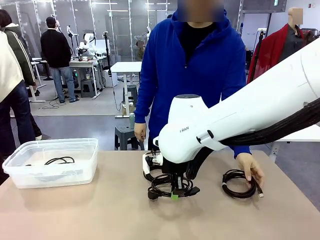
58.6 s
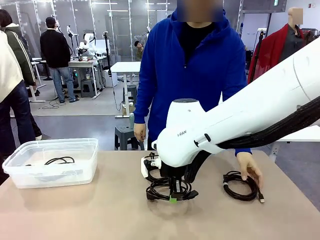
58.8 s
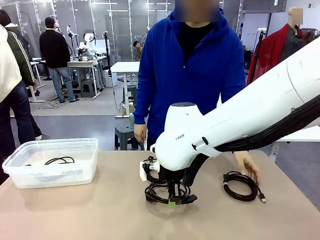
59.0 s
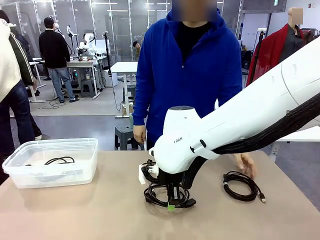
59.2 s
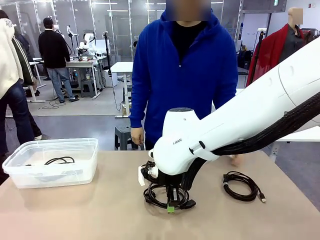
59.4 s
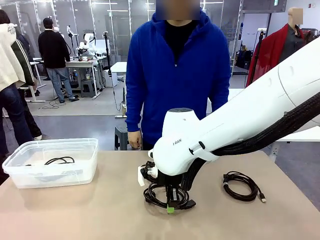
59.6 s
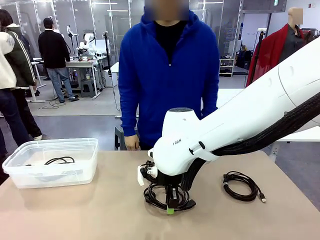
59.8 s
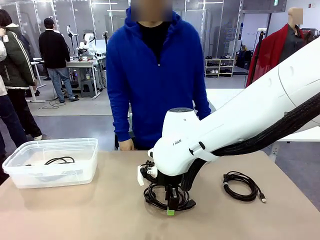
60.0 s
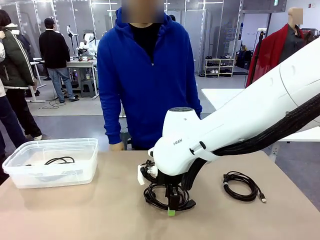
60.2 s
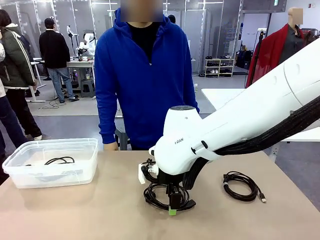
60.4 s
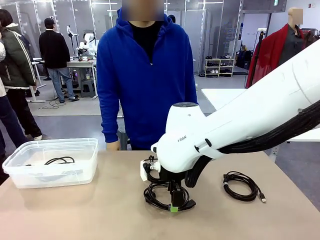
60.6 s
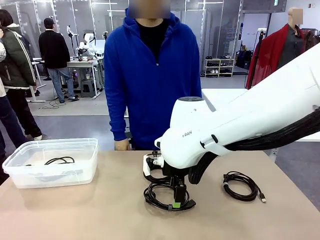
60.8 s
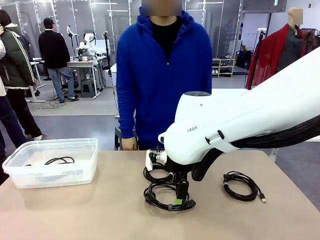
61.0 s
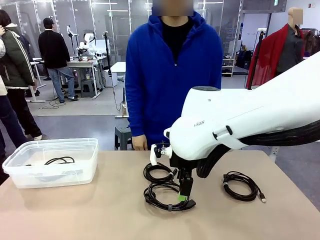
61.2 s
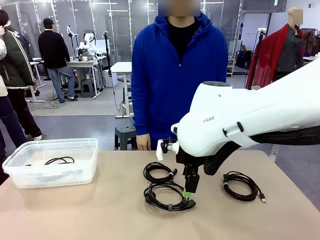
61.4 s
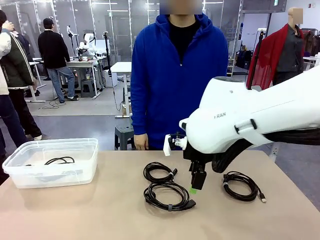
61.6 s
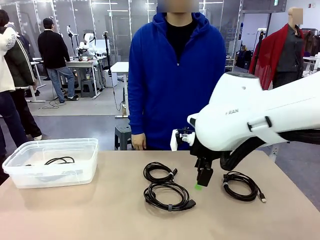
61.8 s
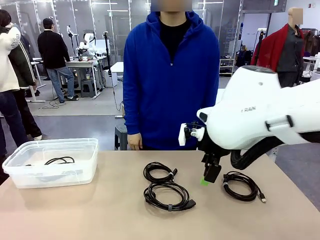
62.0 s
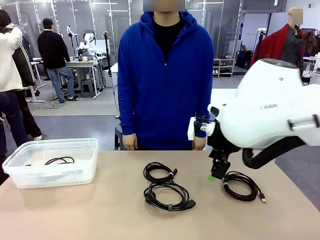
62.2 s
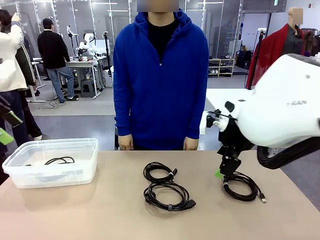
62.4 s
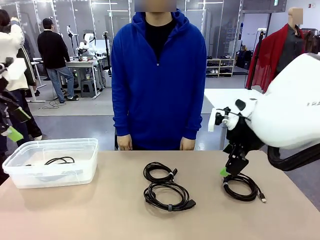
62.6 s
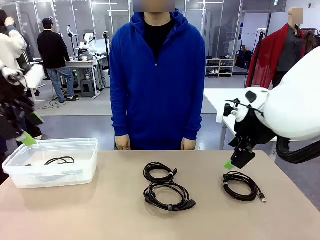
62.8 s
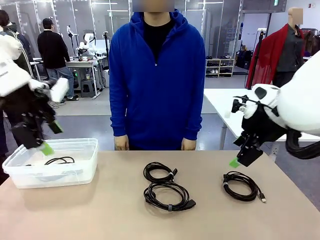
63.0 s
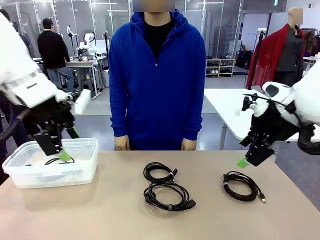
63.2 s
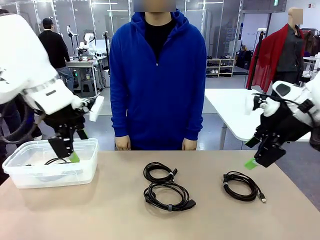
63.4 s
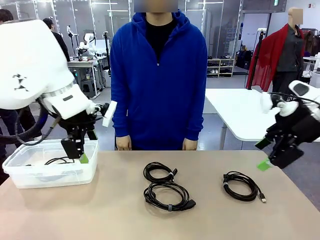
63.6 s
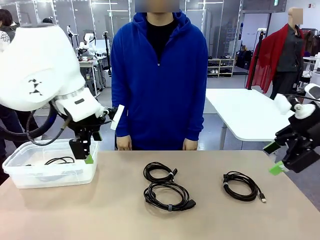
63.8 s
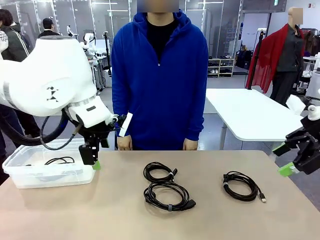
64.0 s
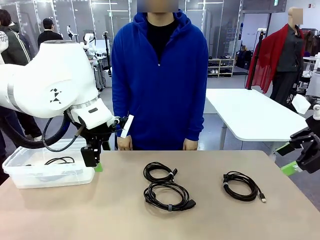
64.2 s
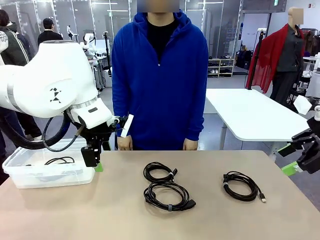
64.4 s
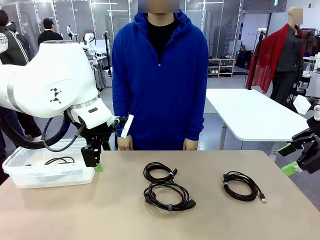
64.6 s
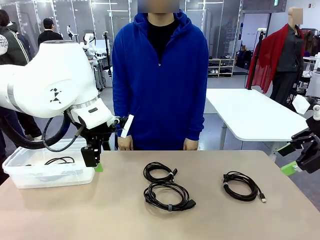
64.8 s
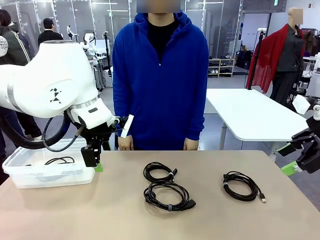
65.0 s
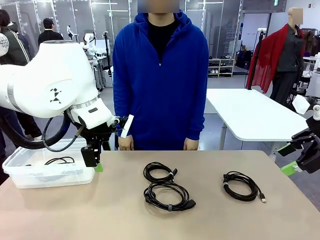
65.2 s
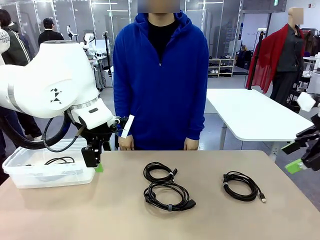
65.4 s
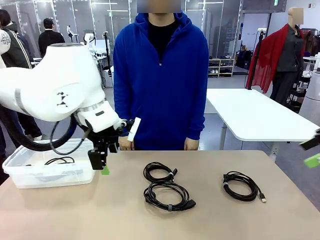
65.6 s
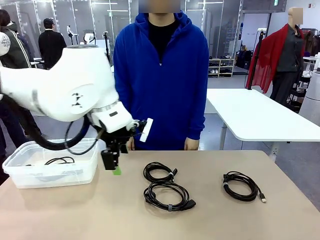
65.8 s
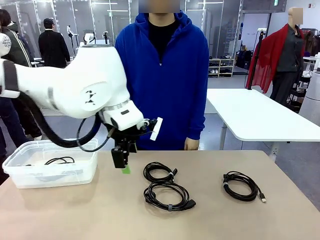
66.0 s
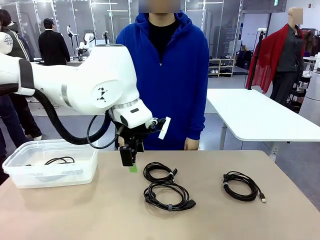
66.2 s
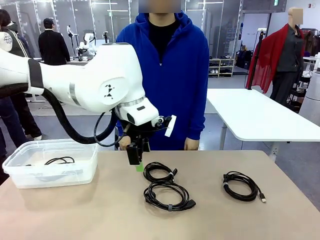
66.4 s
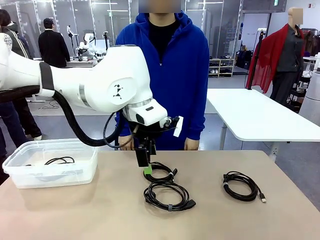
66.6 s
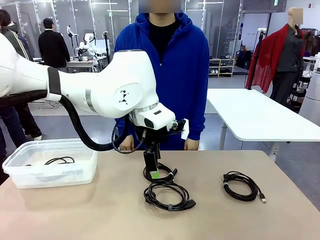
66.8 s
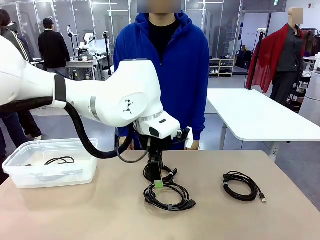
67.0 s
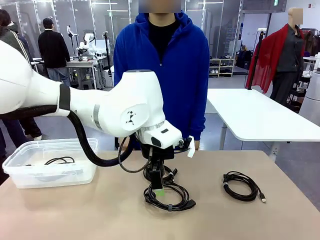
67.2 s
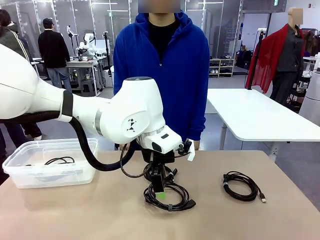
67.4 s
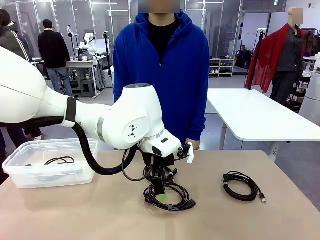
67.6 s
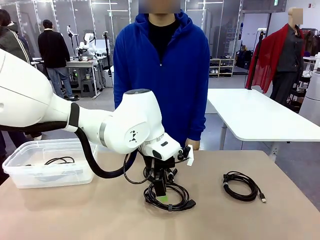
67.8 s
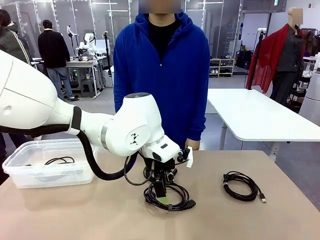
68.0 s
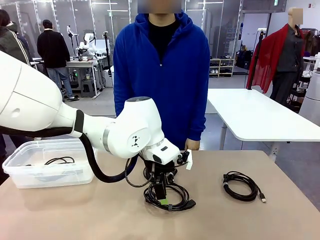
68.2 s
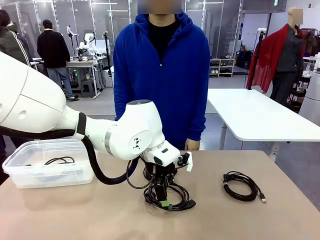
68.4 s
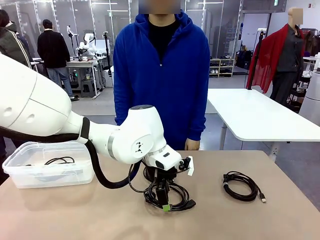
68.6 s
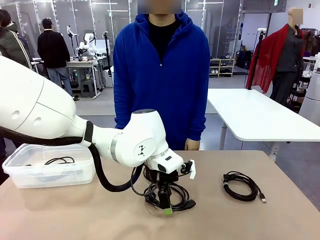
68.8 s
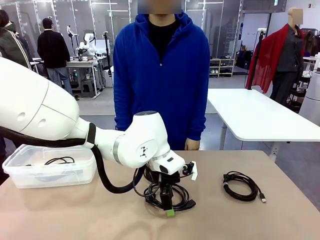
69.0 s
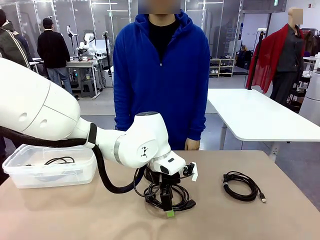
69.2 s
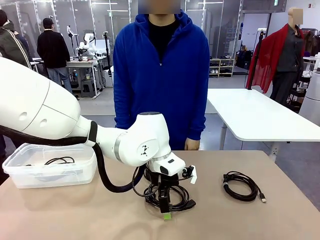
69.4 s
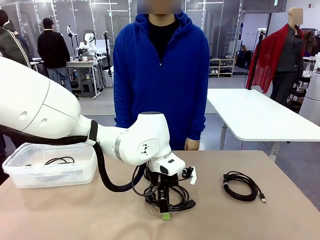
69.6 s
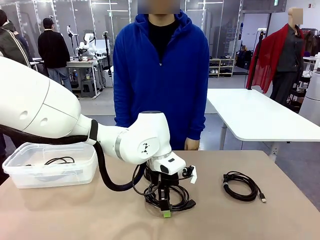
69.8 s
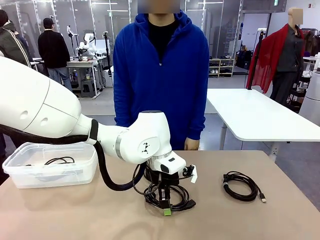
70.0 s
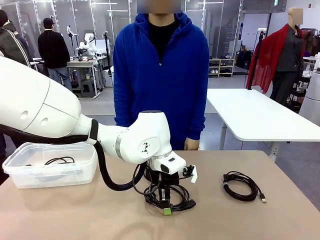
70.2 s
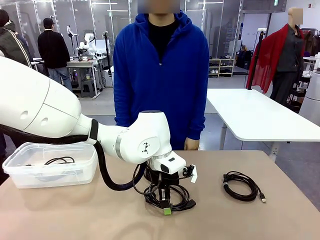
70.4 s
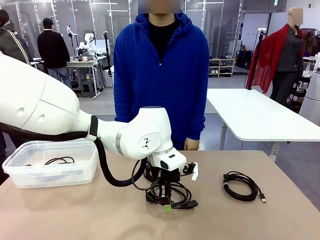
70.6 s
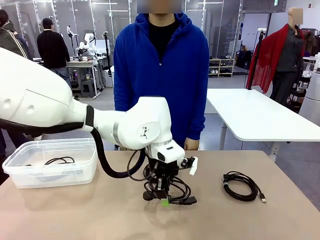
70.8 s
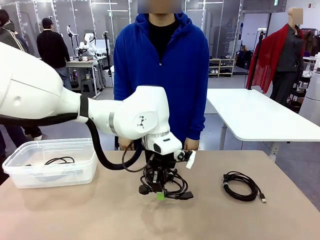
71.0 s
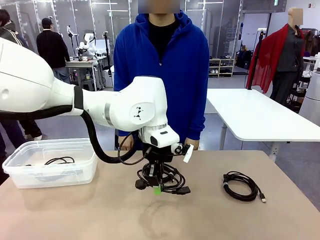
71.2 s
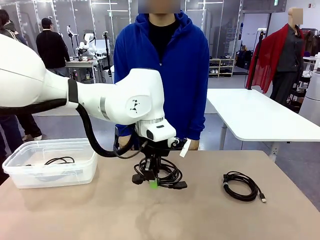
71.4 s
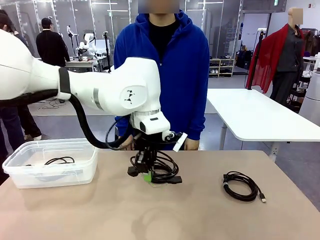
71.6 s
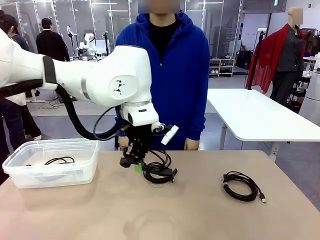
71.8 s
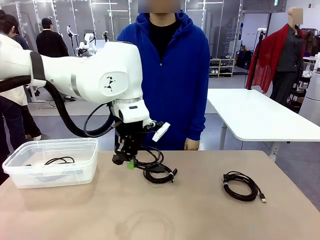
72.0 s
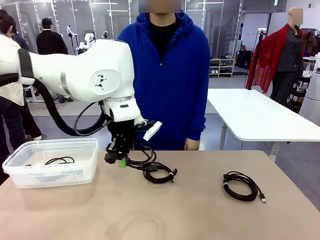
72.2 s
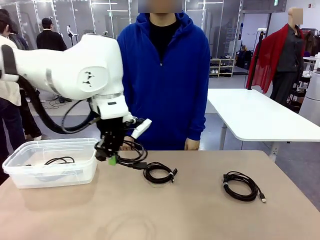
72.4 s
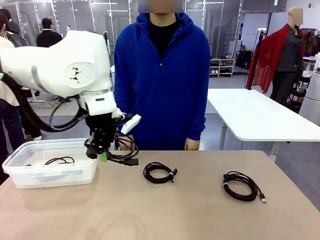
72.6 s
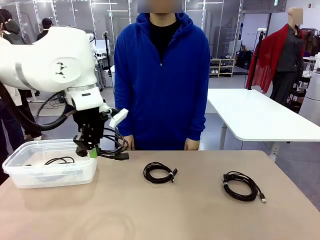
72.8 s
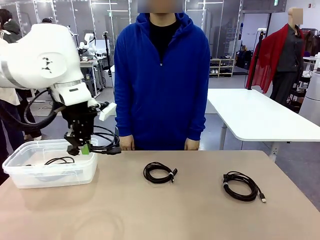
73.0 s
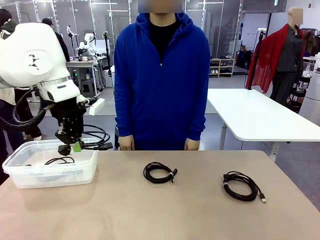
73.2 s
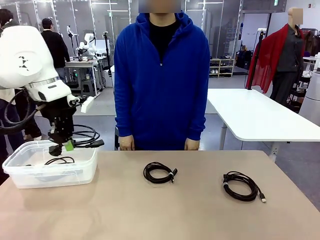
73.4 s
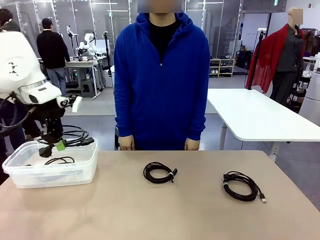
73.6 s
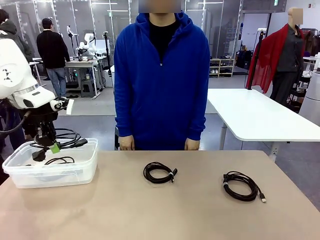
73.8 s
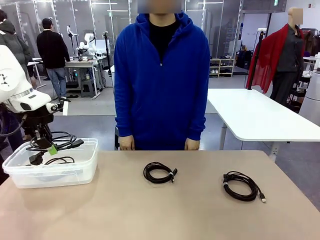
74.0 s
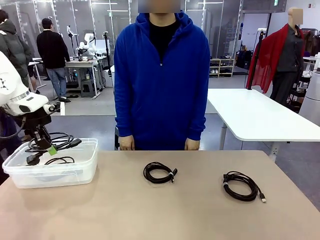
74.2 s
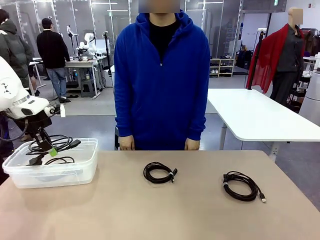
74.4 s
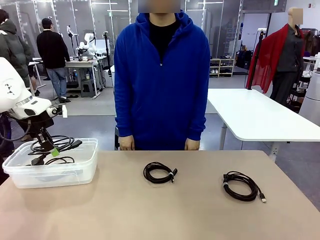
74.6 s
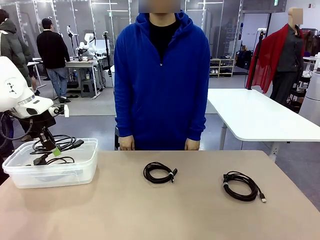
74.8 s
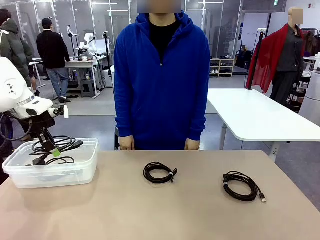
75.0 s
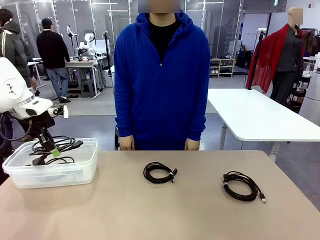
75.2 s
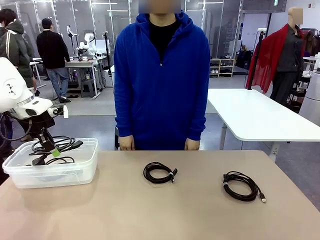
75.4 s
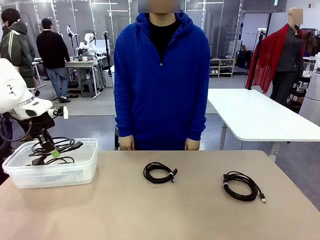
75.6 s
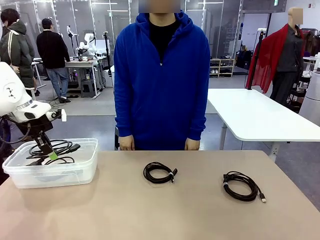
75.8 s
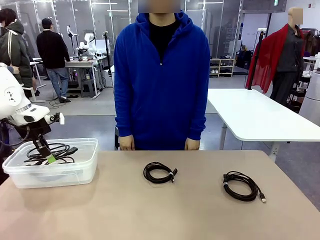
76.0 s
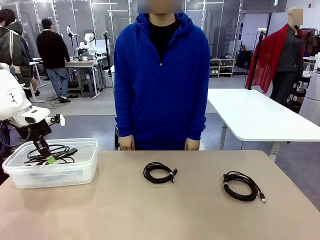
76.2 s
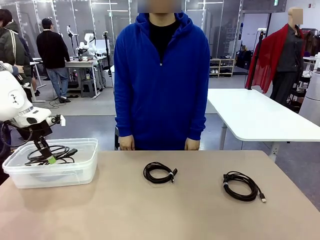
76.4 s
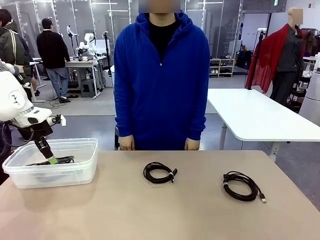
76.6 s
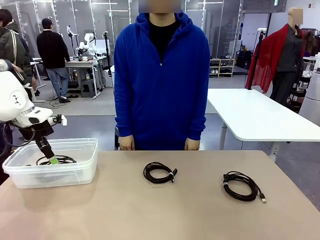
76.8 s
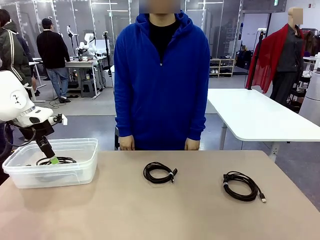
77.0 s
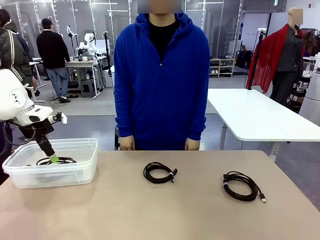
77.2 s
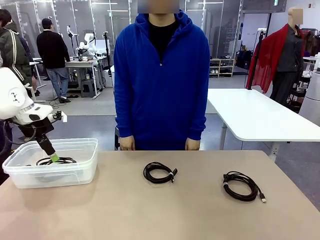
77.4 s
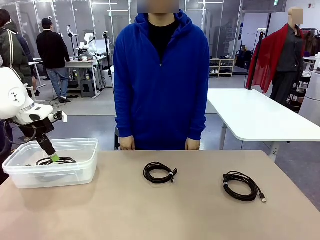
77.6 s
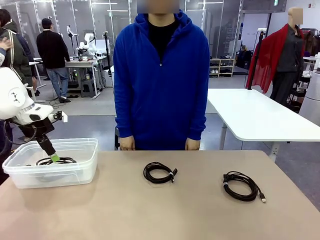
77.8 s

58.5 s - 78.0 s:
Task: Organize and store the cables.
Robot: Place the Power Cable into the Organizing box.
